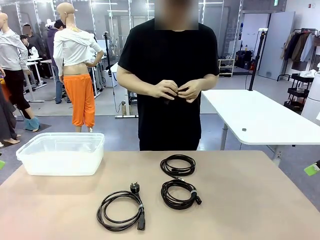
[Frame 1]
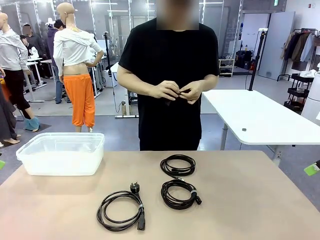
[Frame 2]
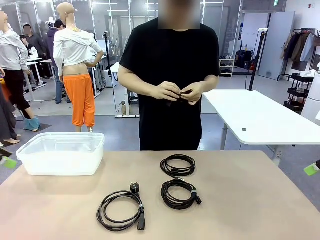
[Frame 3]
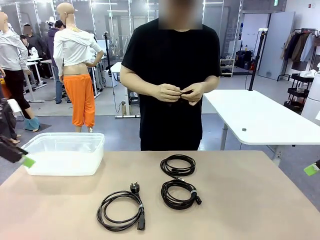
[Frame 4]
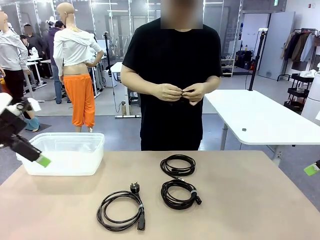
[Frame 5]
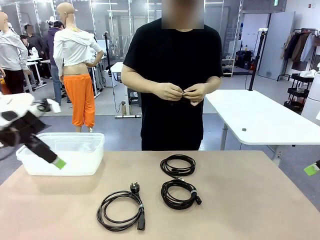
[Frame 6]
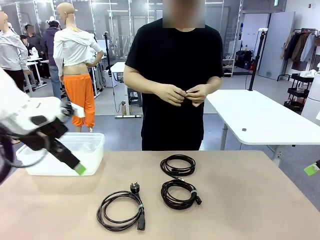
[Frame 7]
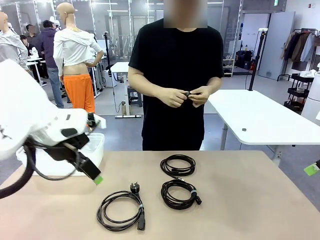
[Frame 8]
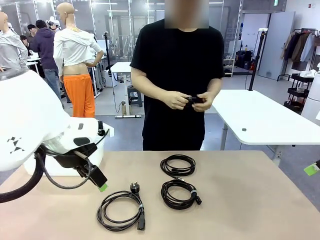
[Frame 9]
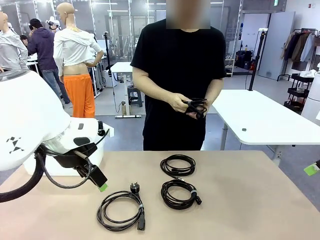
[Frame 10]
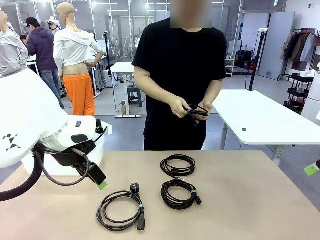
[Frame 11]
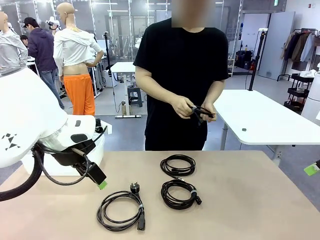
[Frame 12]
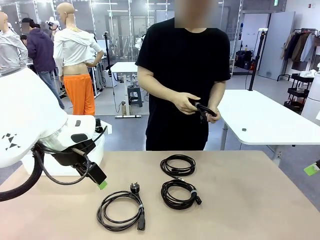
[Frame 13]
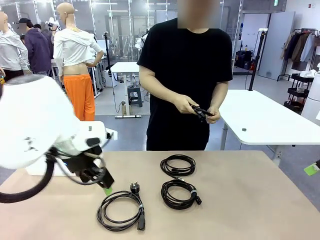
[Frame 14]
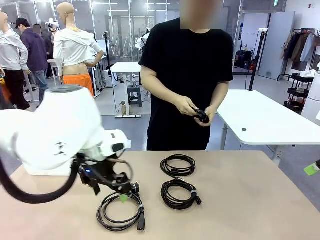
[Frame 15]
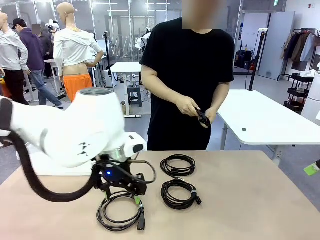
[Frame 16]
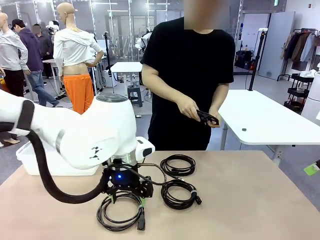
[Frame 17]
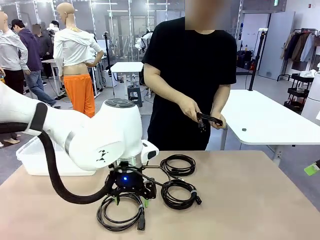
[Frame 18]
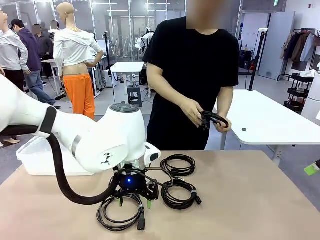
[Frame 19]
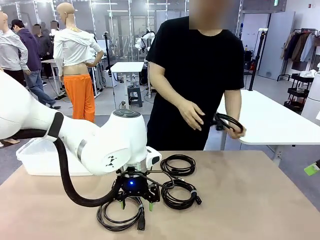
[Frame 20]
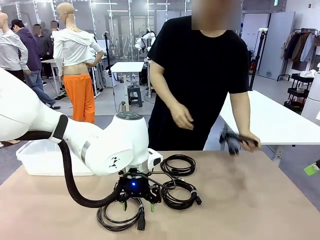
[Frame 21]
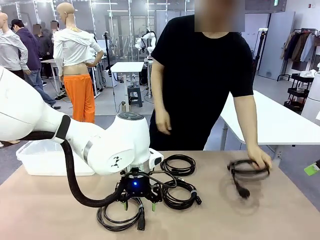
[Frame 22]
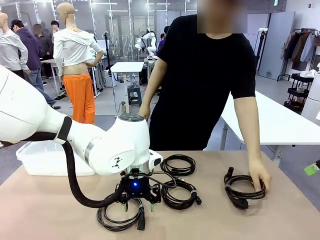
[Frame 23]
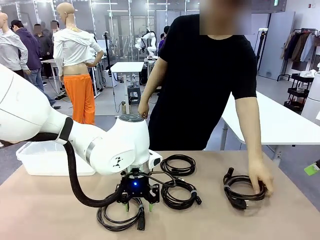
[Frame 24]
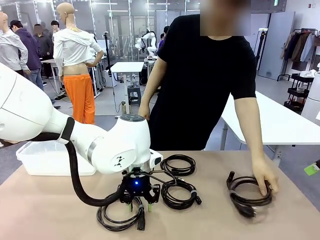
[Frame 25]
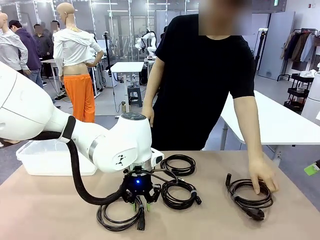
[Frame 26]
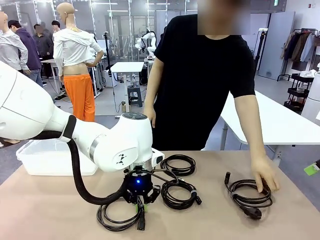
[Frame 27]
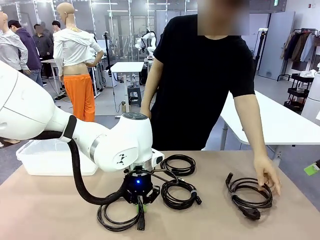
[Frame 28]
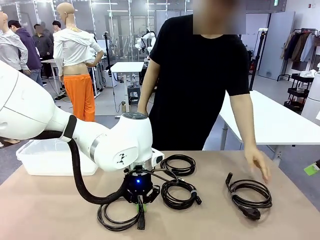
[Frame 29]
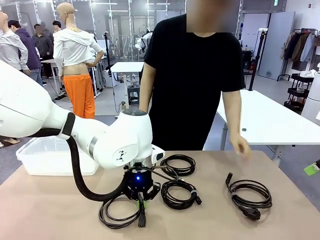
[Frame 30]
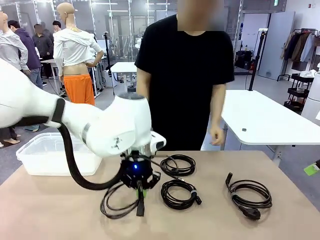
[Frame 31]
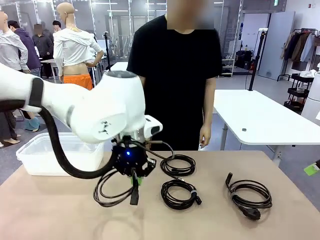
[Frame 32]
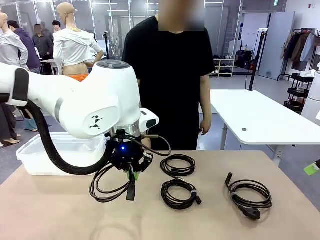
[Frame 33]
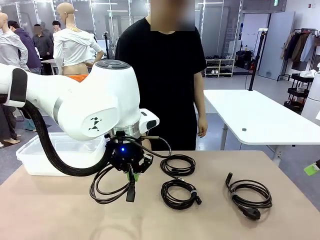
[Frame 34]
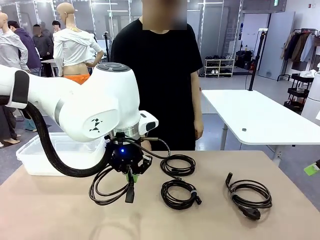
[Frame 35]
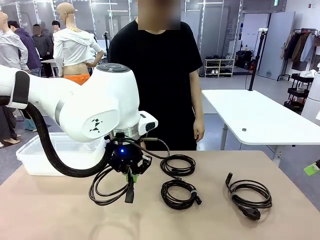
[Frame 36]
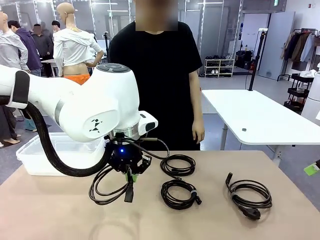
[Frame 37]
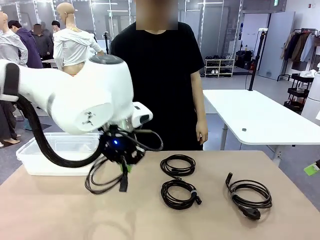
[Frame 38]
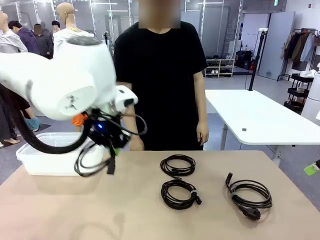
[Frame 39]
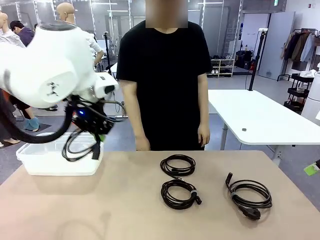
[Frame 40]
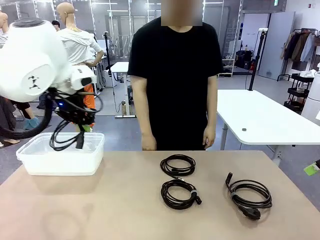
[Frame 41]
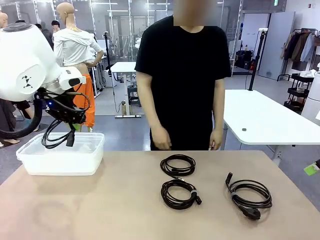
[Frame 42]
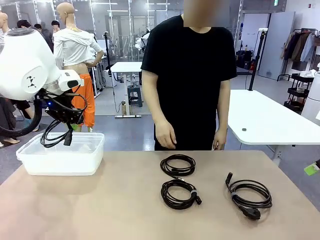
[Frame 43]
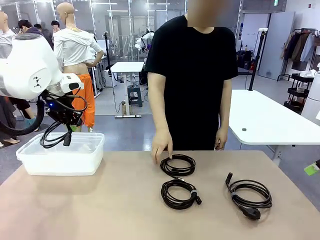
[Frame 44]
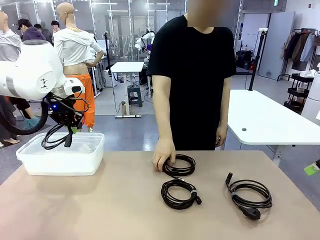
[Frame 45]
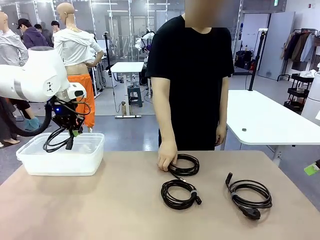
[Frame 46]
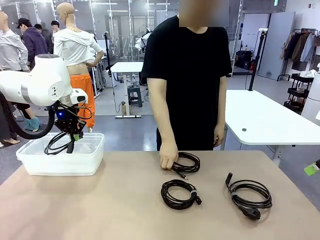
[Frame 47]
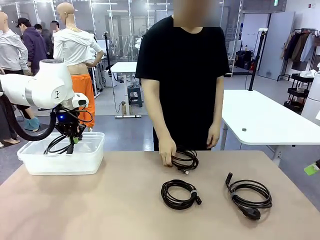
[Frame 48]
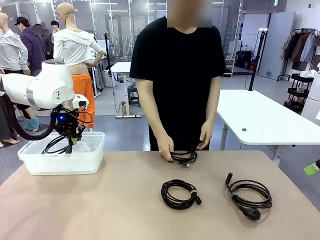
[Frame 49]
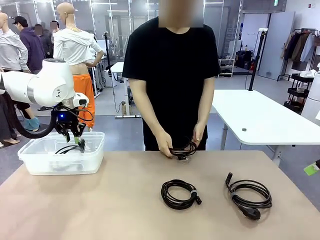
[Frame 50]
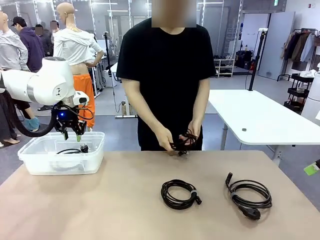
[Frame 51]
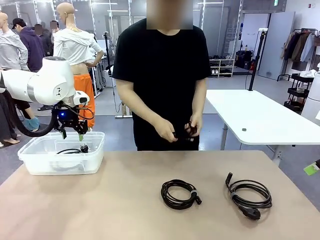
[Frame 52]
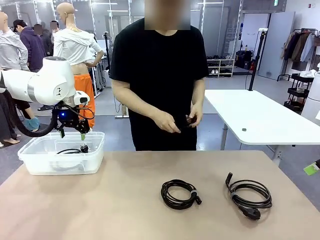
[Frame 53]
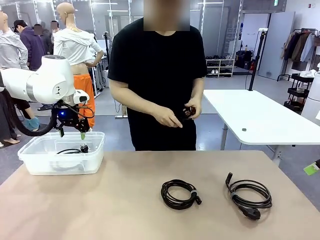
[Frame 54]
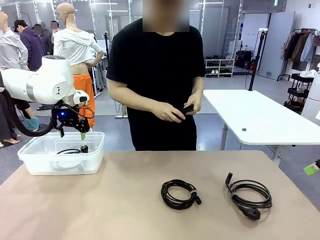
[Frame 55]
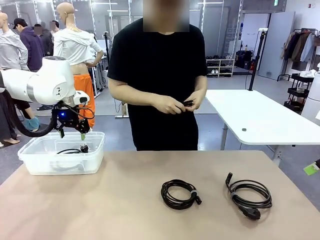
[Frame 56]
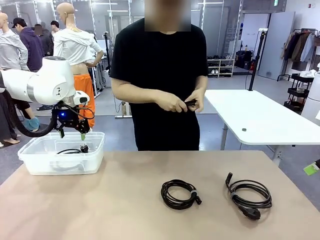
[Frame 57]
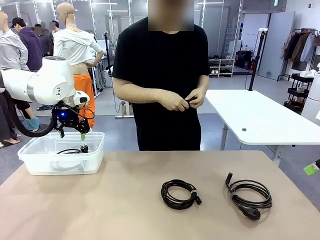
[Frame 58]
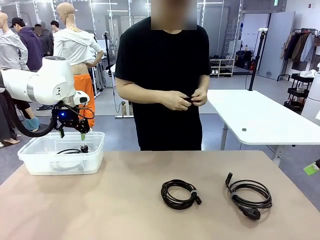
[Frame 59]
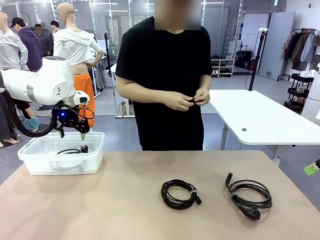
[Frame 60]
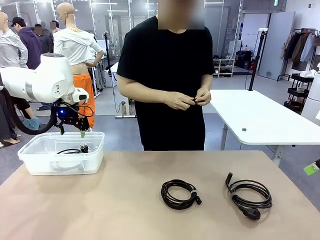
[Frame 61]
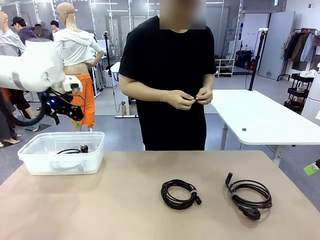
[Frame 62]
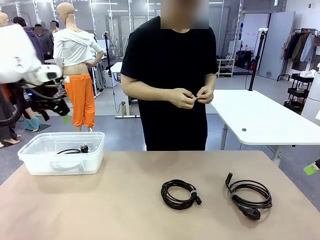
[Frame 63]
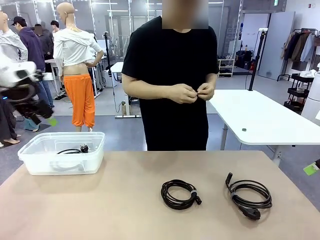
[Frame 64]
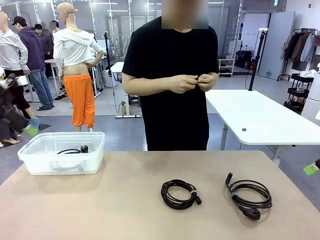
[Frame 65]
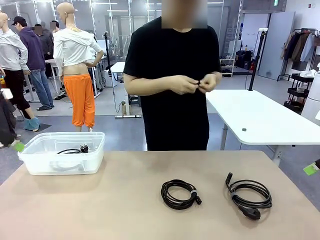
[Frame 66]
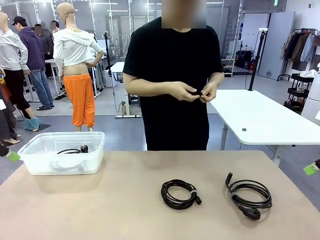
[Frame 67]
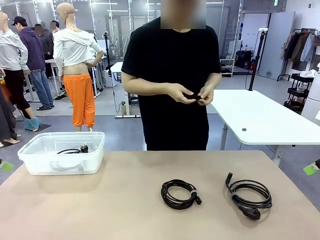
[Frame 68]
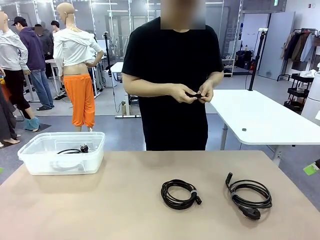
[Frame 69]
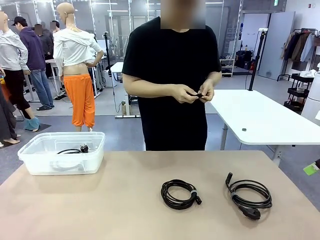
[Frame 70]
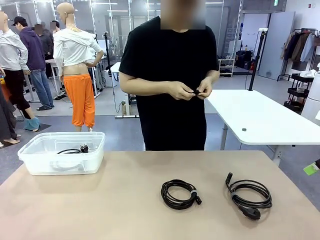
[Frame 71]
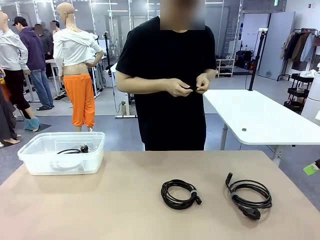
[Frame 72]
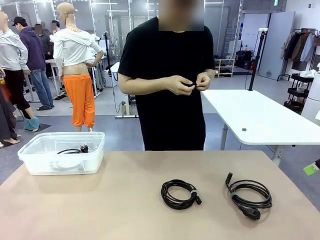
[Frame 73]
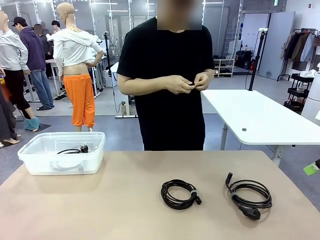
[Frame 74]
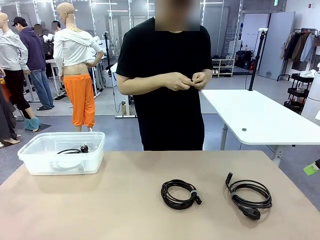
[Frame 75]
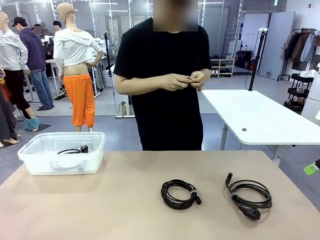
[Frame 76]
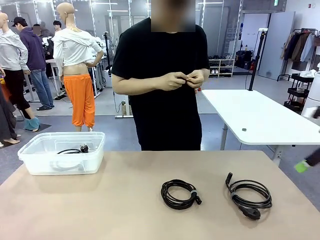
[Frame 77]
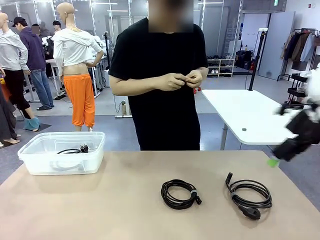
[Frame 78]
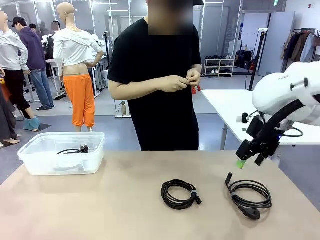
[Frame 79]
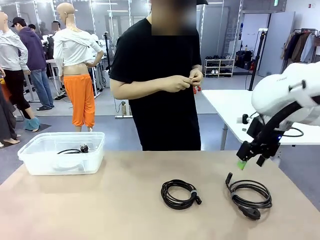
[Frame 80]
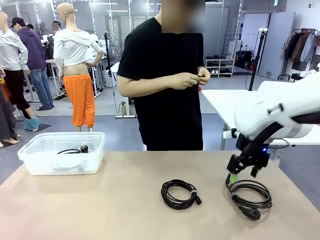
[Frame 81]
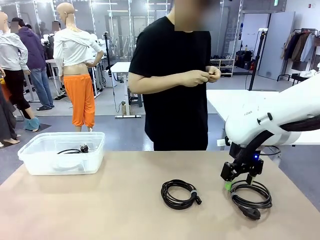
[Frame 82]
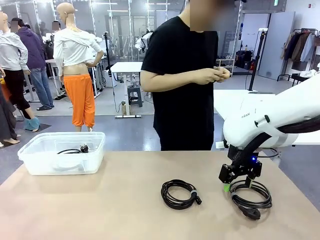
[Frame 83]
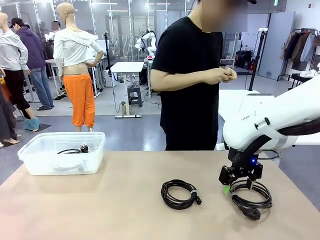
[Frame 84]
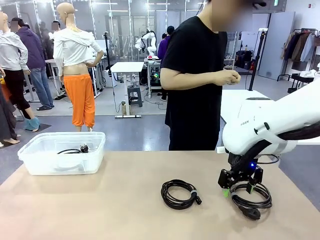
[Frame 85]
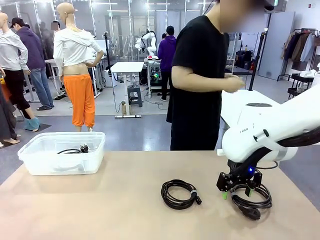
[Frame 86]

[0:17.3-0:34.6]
Task: Organize and store the cables.
Robot: Place the Power Cable into the Organizing box.
